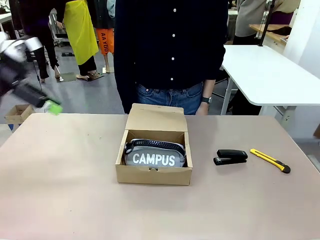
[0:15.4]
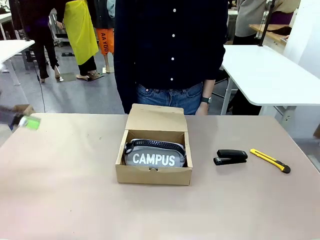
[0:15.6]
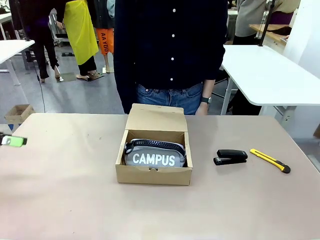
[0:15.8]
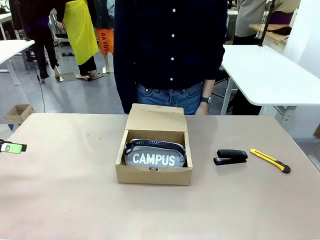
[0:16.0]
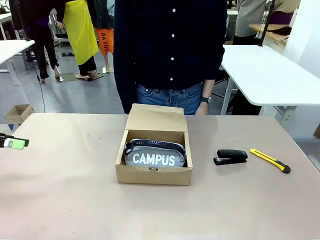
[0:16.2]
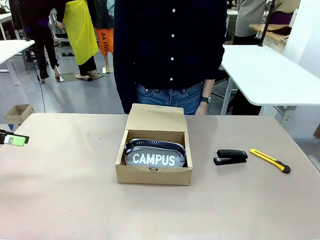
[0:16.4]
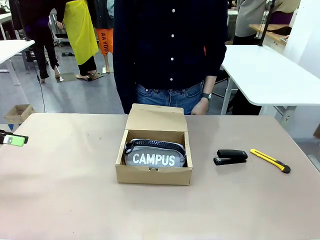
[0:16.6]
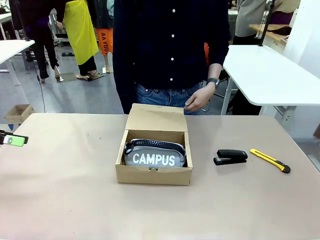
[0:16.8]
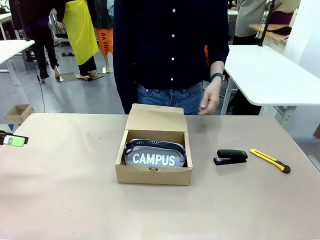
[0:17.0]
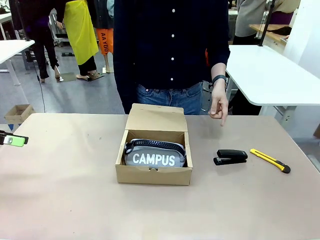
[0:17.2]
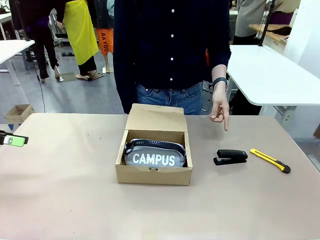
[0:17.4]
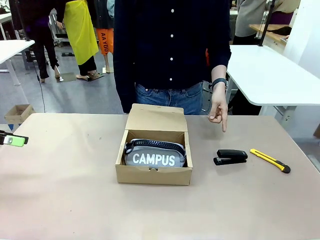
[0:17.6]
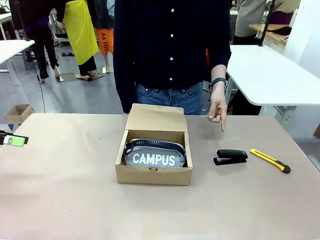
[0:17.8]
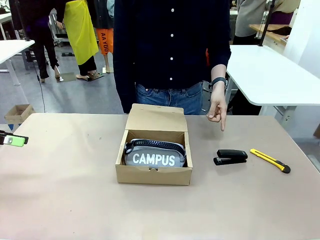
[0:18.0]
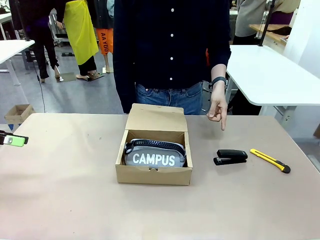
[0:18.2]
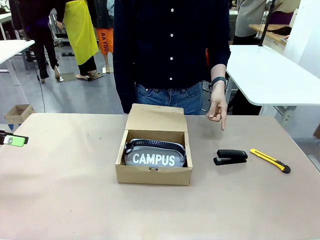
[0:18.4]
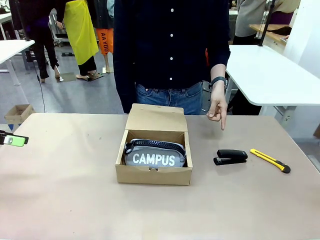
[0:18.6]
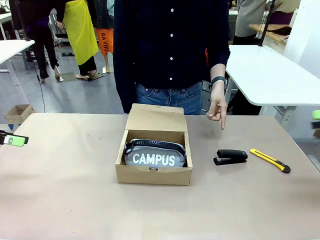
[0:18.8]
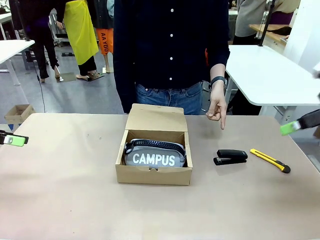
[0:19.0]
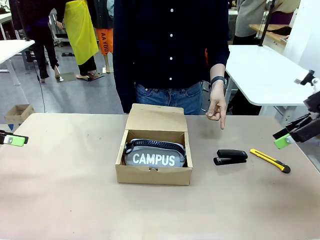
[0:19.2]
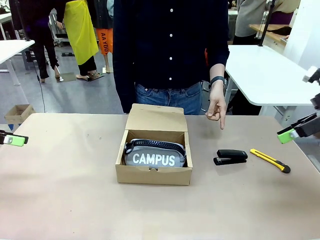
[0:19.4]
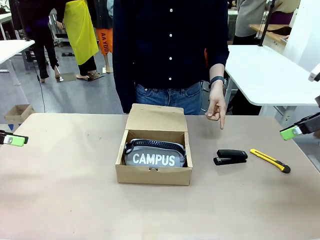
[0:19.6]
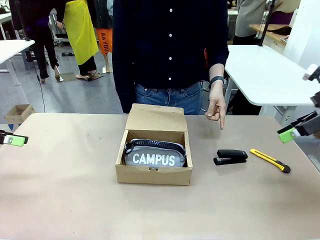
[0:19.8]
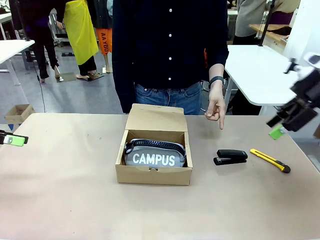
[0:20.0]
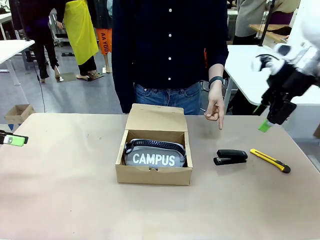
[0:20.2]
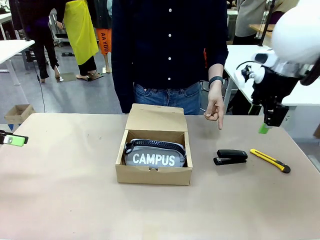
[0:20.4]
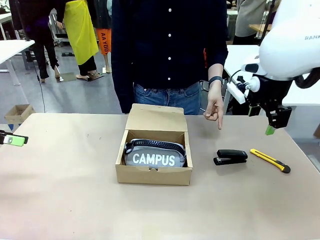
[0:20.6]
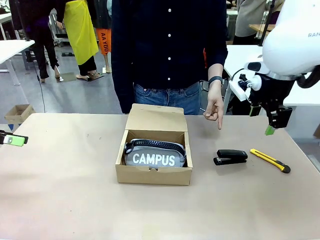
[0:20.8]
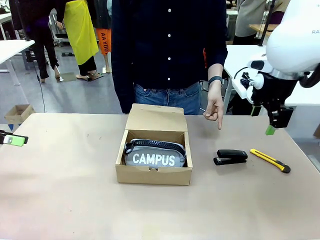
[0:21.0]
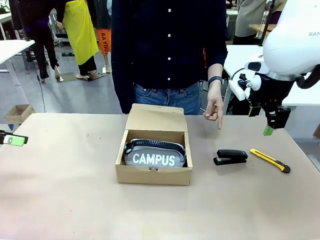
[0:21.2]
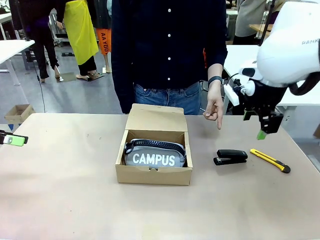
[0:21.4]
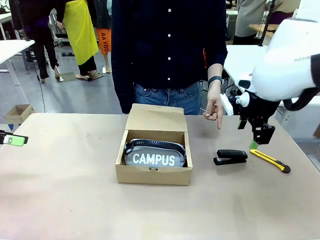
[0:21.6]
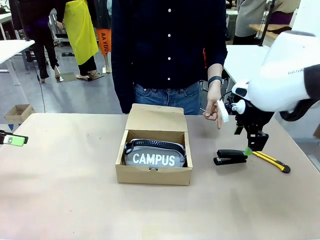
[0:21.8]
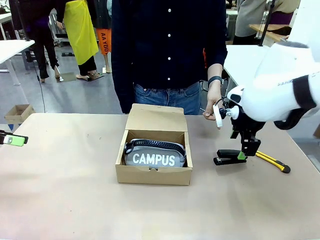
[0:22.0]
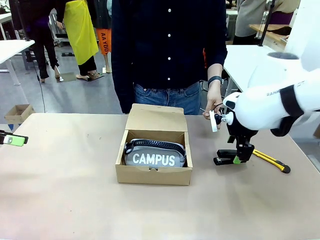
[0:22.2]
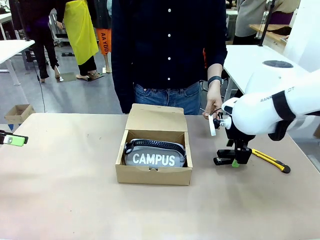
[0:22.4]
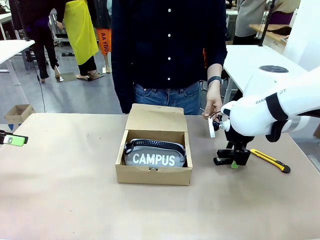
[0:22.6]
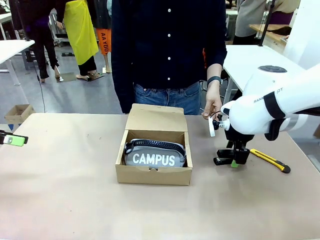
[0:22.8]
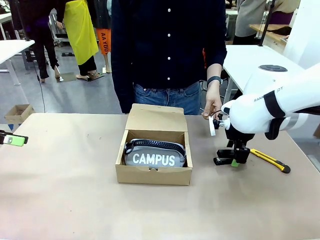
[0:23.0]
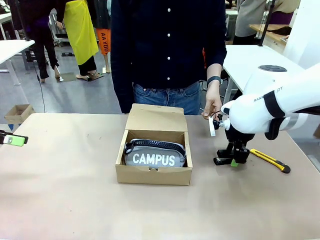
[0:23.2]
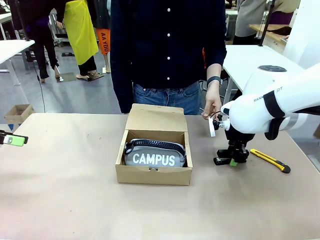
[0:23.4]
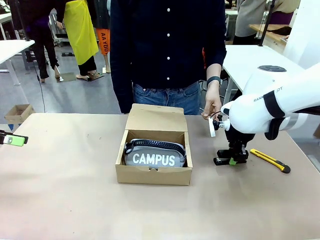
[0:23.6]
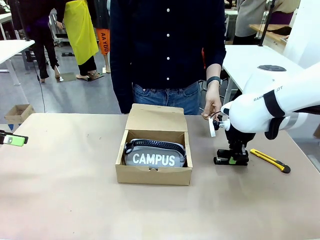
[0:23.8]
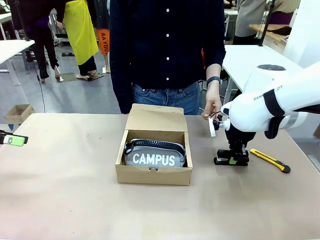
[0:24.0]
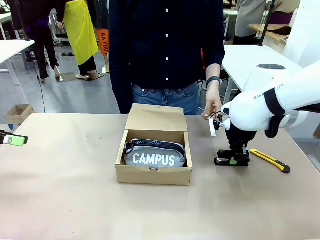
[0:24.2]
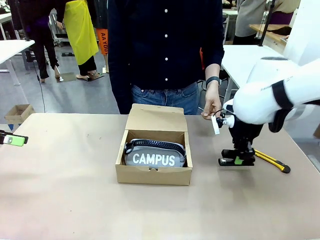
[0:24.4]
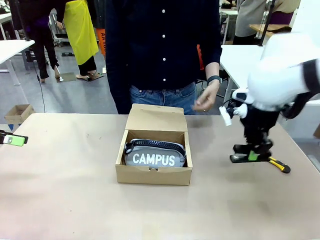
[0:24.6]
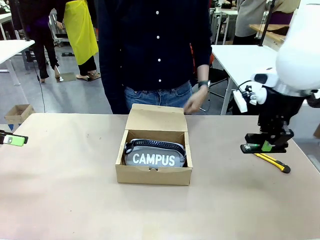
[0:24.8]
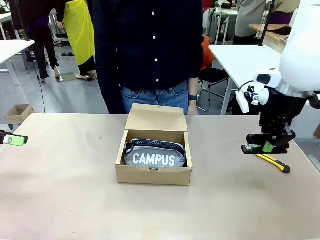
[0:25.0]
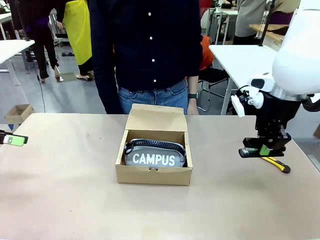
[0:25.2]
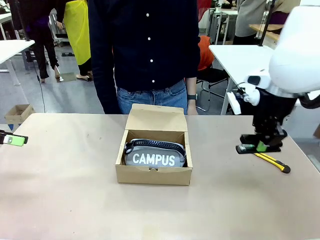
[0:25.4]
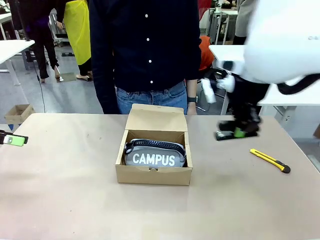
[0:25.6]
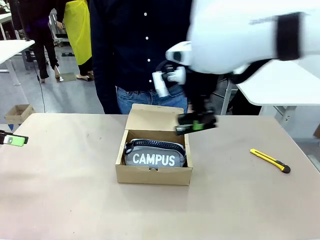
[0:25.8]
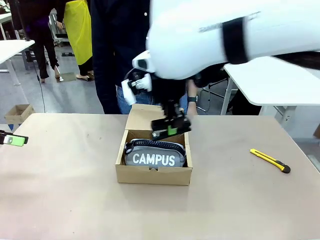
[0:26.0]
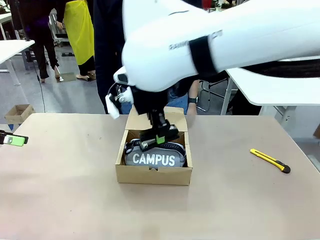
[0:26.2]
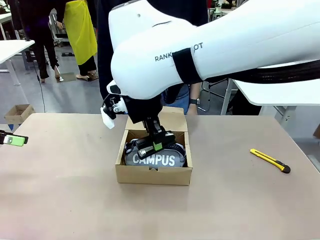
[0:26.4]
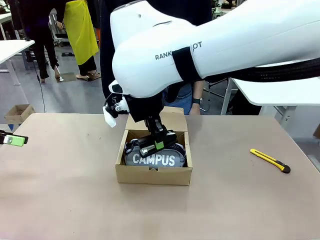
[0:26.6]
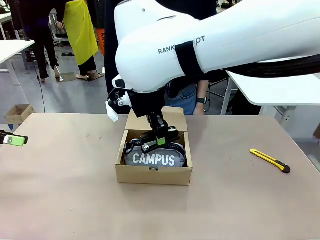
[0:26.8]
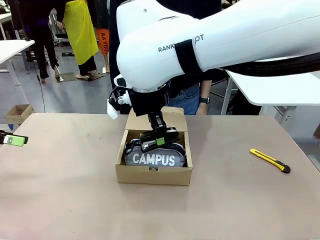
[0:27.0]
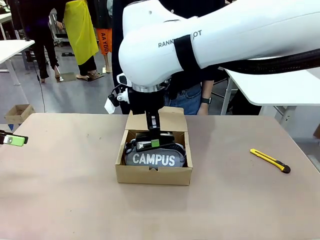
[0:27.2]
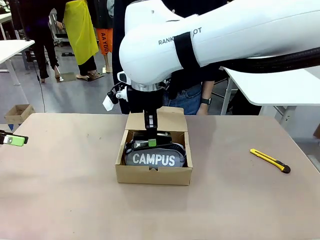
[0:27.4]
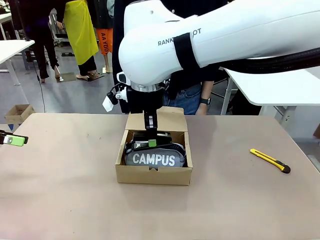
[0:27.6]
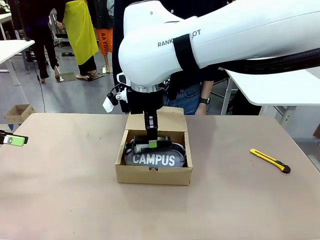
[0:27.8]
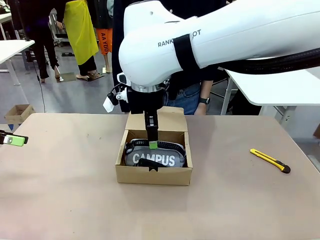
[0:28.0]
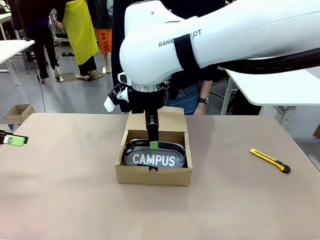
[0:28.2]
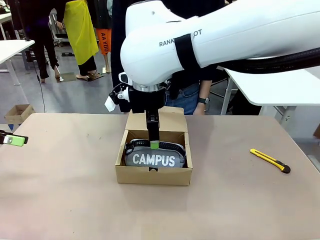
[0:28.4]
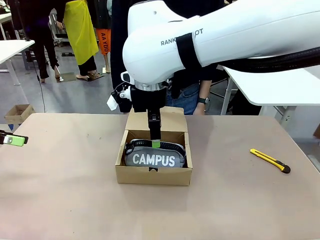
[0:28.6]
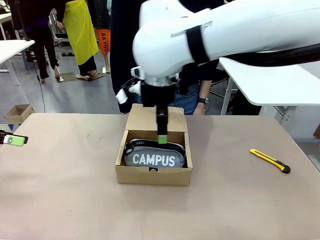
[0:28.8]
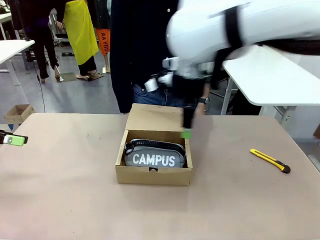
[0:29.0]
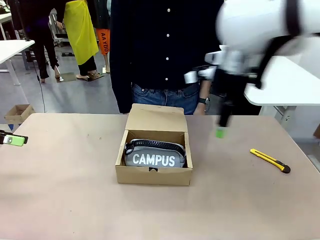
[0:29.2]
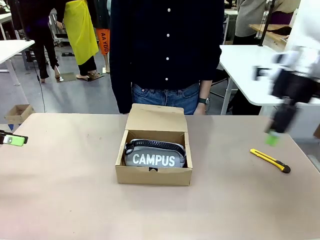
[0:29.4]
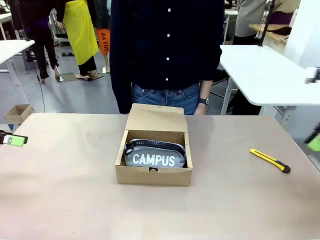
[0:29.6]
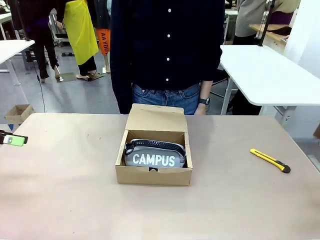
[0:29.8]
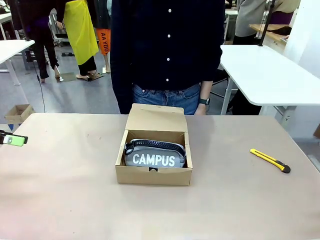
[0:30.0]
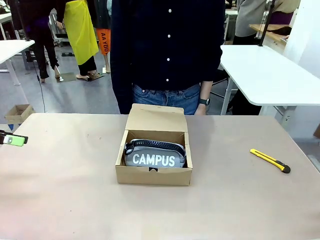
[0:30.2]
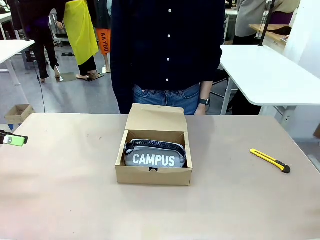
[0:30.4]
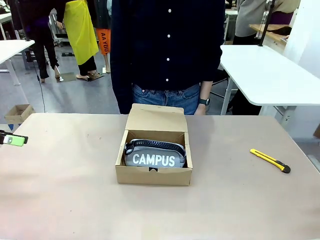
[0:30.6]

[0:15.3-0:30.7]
Task: Pack the items into the box.
Robot: Pick up the item specified by the human and place it in the Mailer Box.
Person: Lower both hands vertically with palms facing downward, as if pressing something closed.
